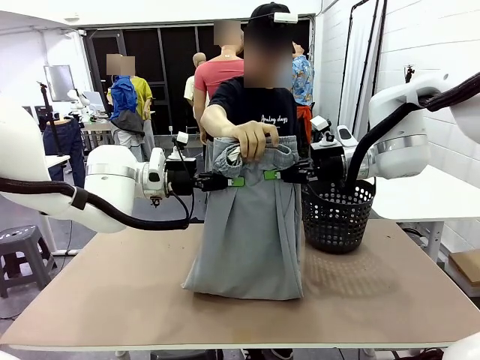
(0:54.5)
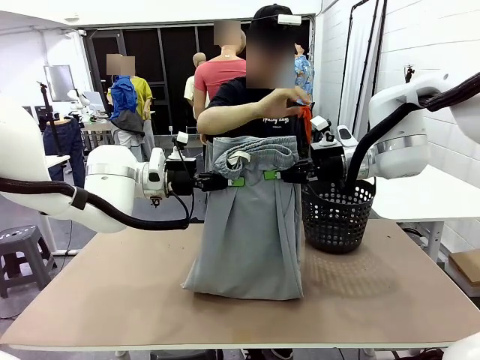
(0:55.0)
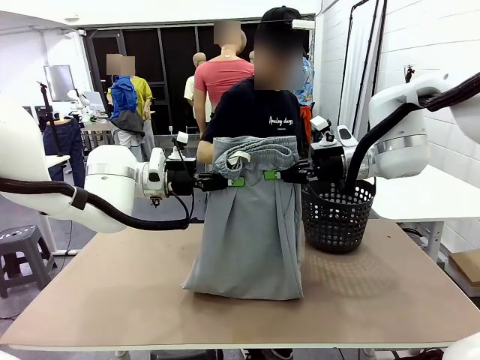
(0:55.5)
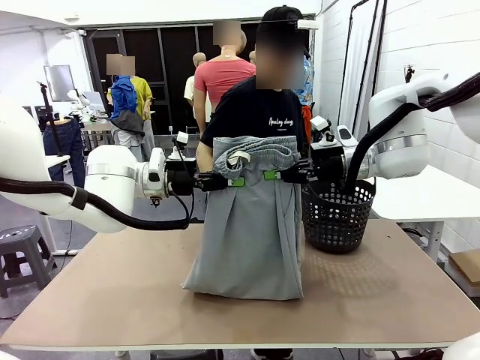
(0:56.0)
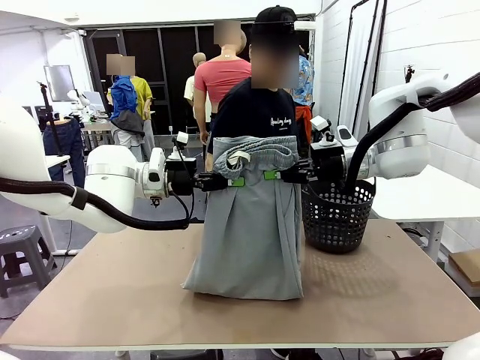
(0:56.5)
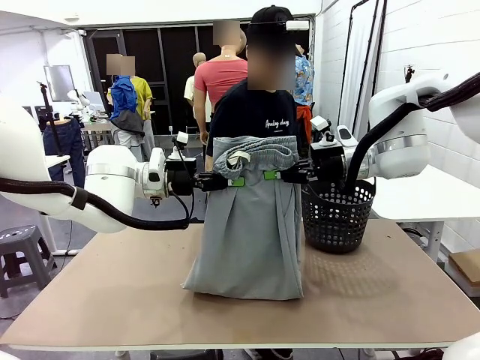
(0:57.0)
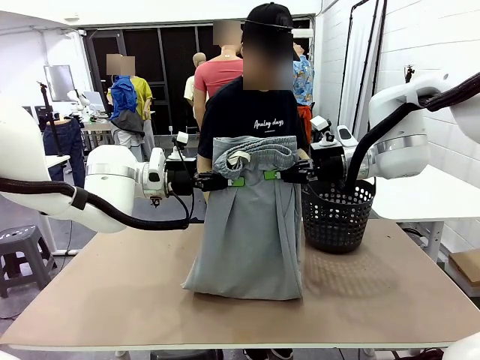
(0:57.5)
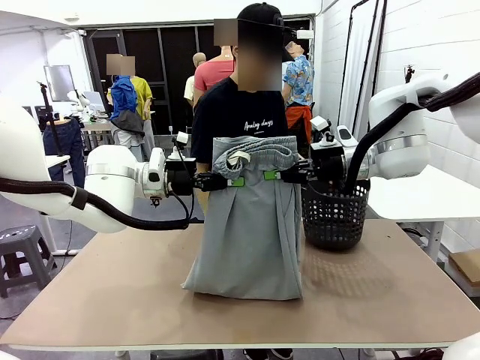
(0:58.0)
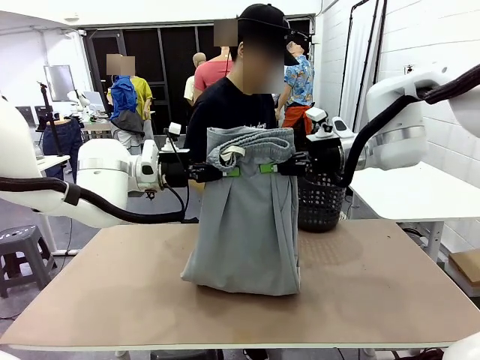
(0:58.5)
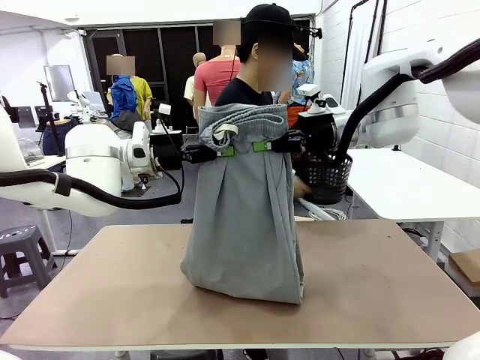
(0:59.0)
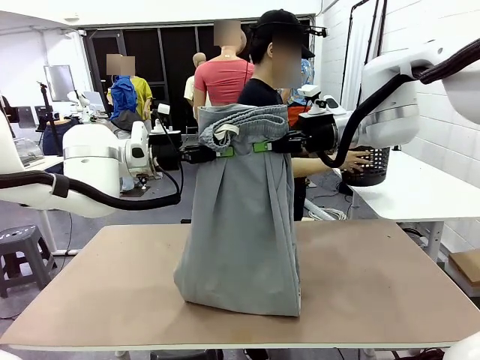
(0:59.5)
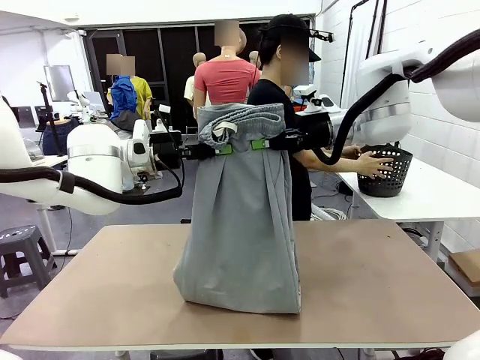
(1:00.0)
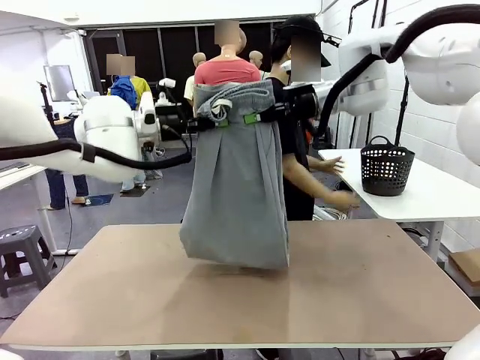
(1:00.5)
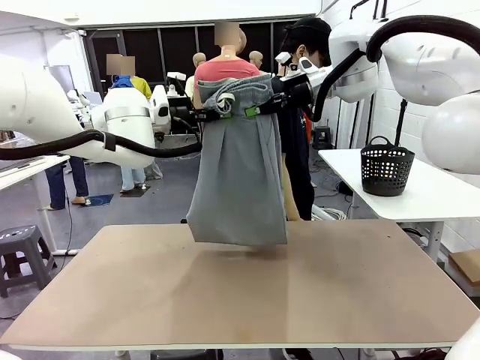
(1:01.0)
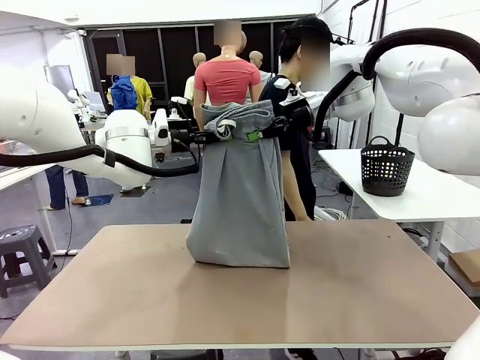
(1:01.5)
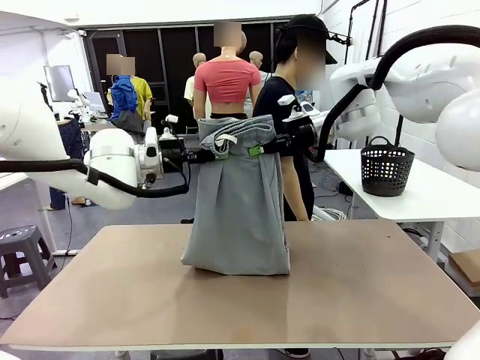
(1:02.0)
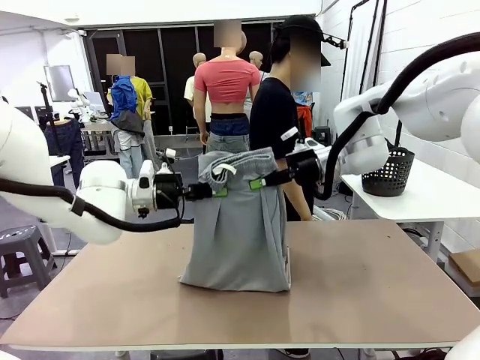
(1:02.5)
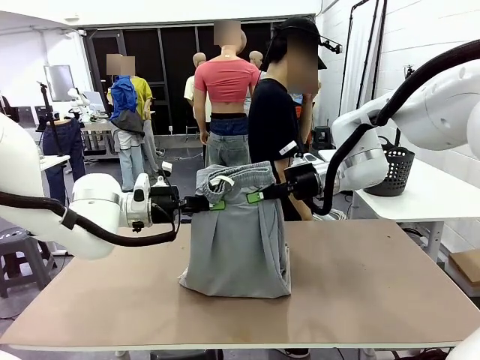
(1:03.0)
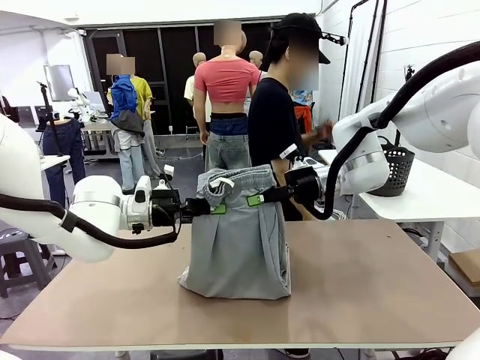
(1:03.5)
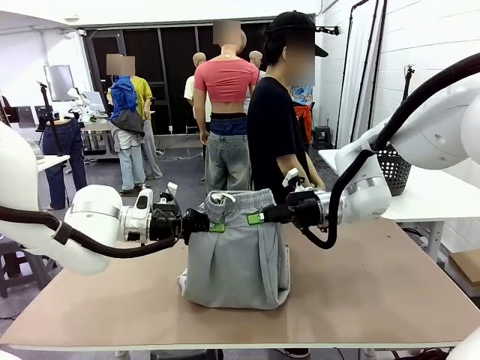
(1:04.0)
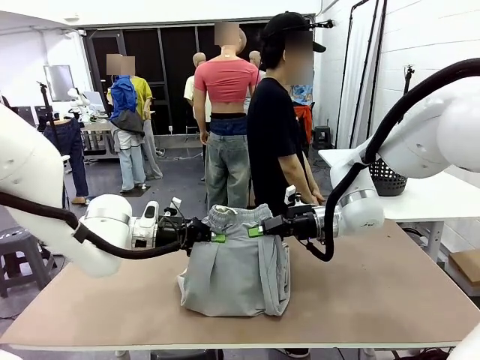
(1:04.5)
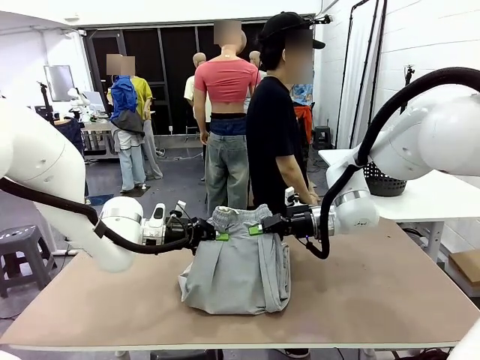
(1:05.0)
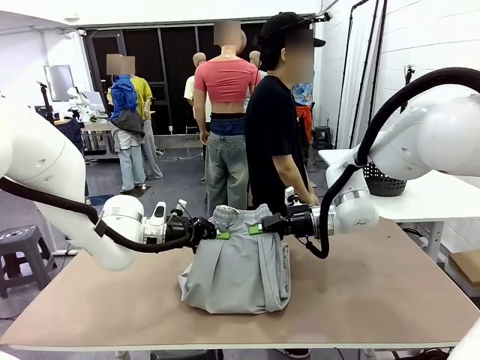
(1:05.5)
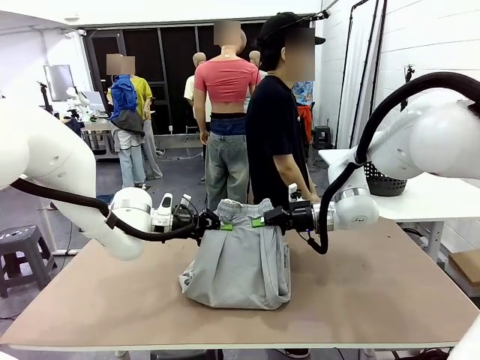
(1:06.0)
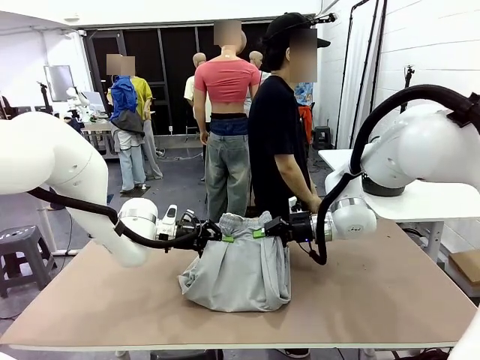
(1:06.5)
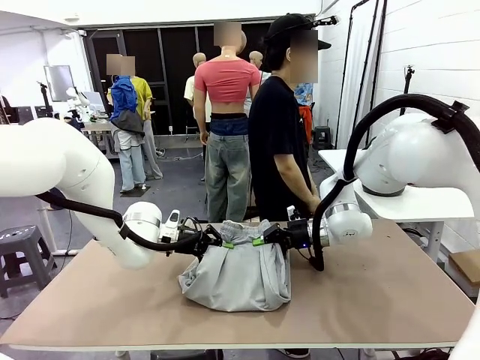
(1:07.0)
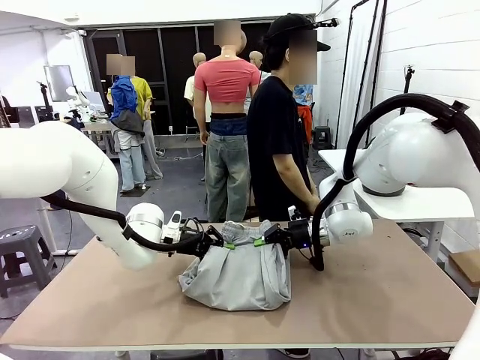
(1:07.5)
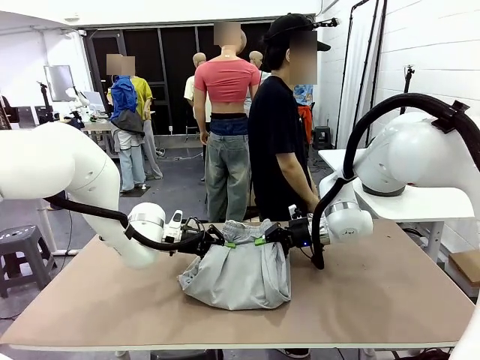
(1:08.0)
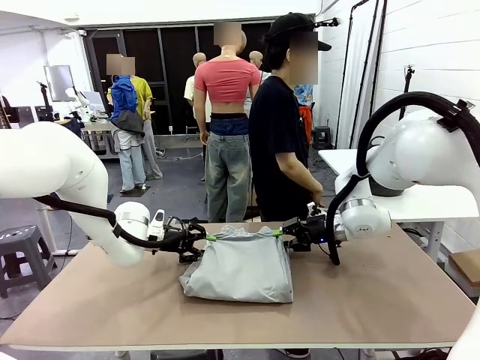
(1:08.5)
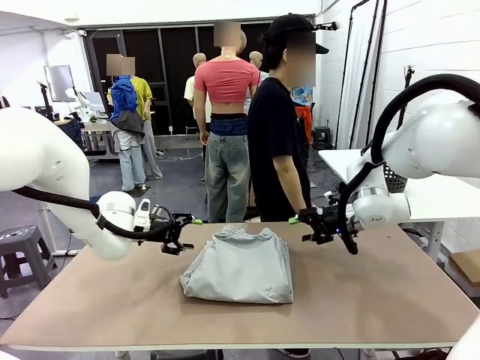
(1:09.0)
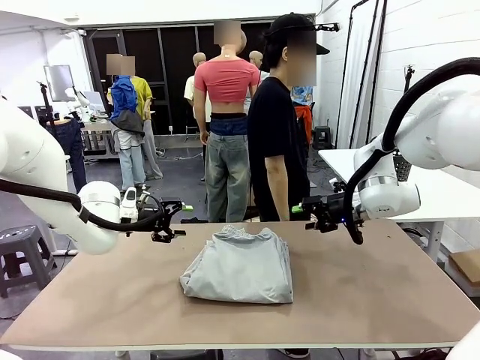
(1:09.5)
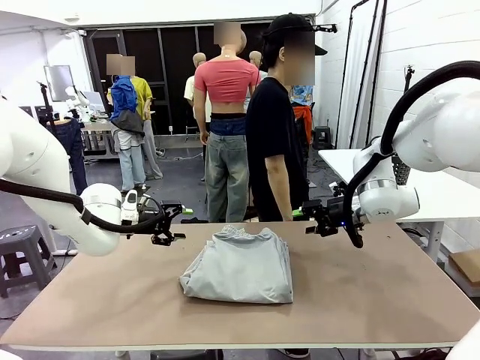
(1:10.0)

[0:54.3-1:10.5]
Task: Fold the training pants.
Robot: Fold the Training pants in half.
Person: Move the laundry basket to the right of the human table.

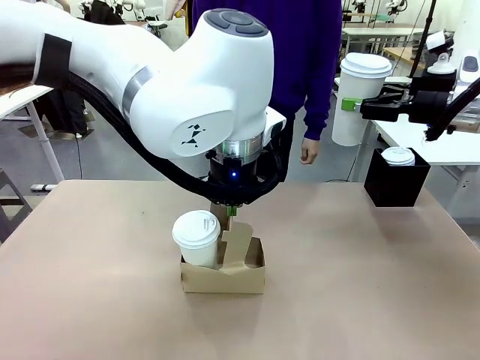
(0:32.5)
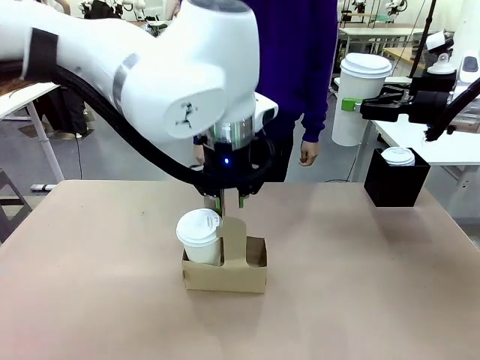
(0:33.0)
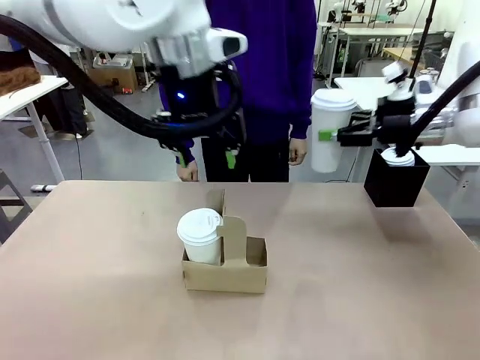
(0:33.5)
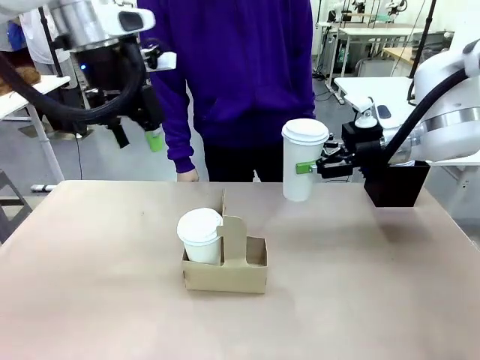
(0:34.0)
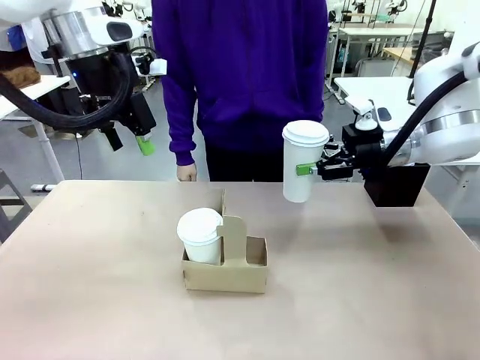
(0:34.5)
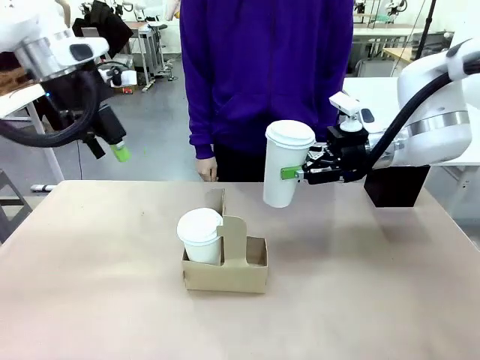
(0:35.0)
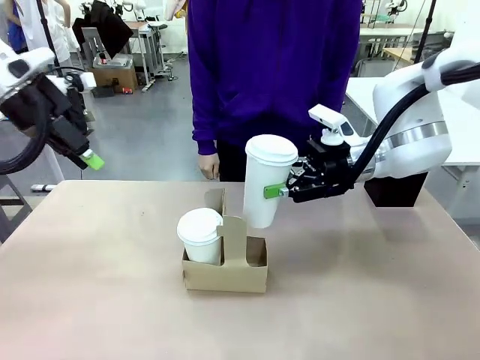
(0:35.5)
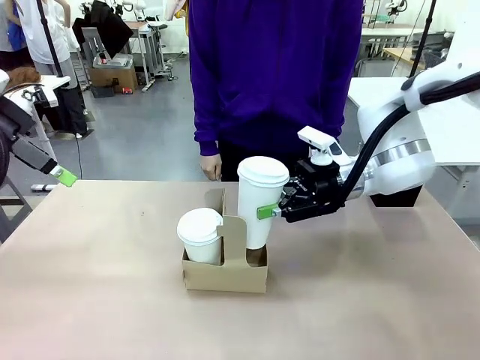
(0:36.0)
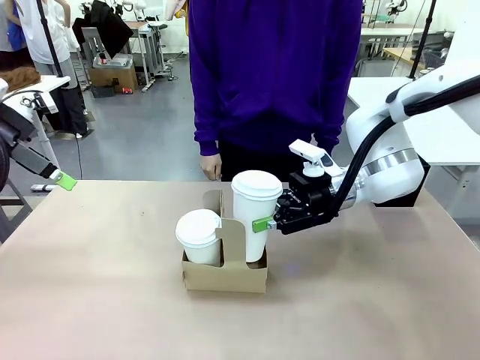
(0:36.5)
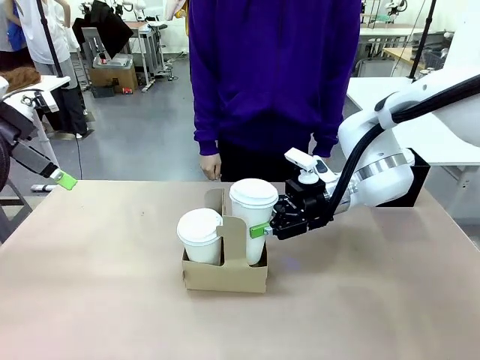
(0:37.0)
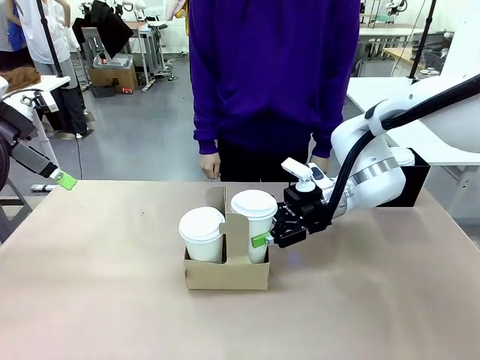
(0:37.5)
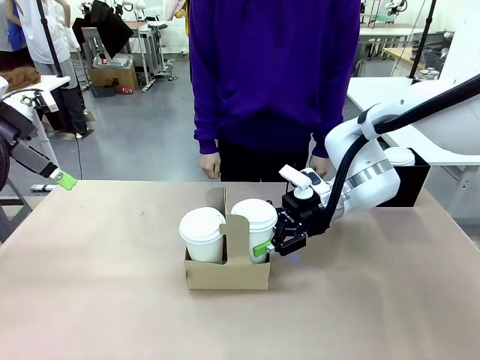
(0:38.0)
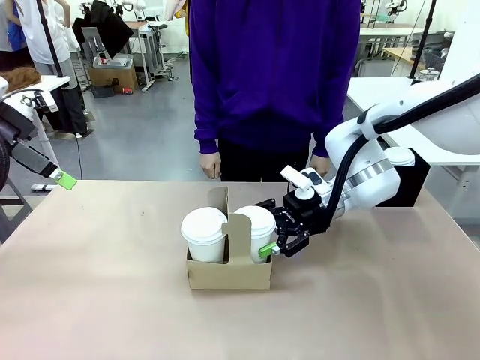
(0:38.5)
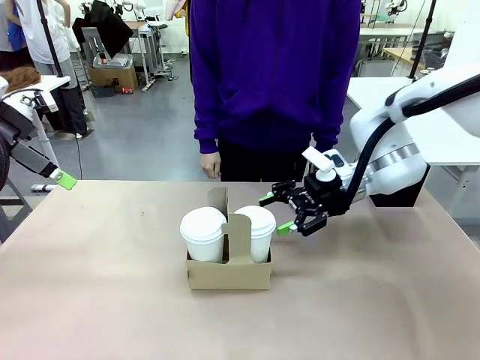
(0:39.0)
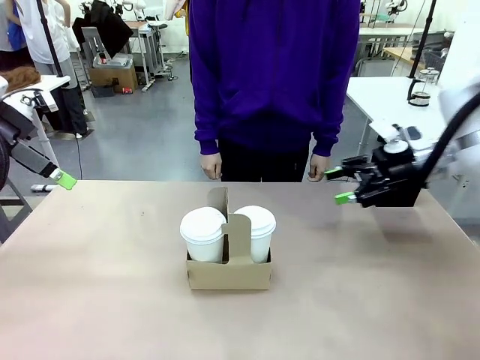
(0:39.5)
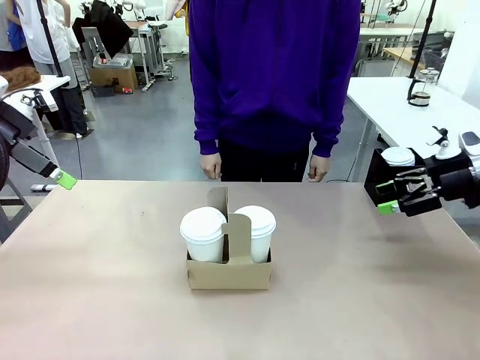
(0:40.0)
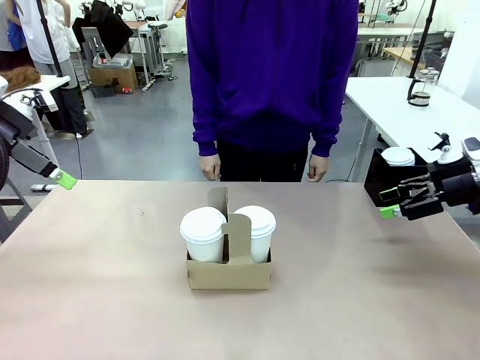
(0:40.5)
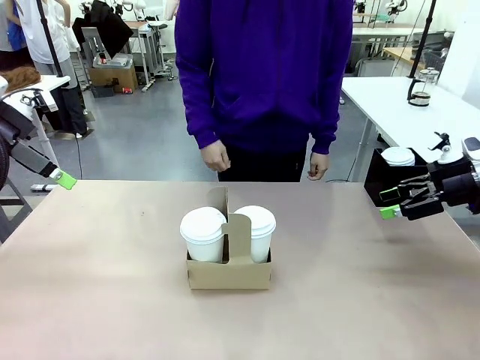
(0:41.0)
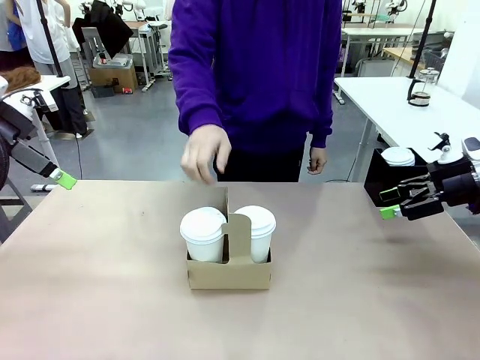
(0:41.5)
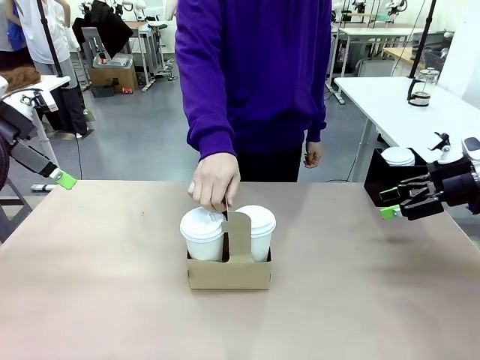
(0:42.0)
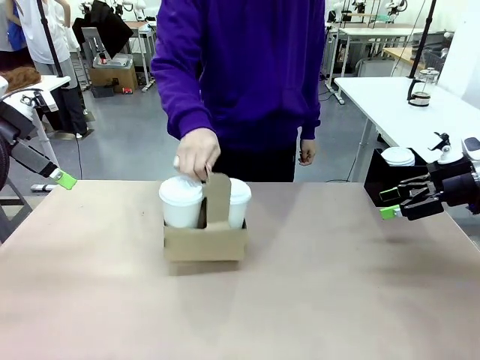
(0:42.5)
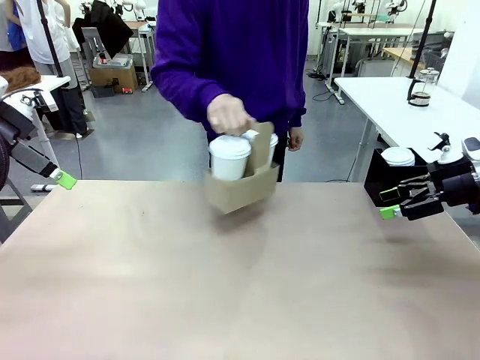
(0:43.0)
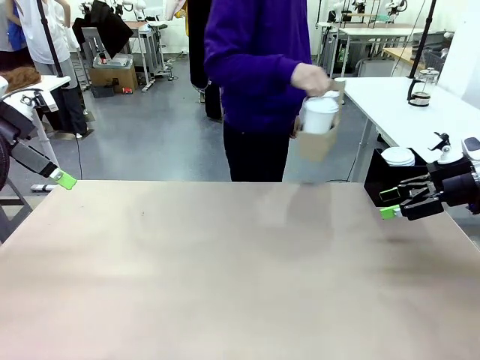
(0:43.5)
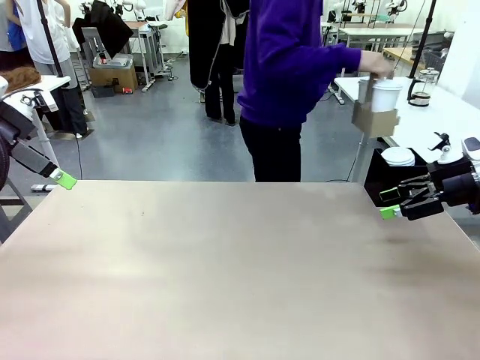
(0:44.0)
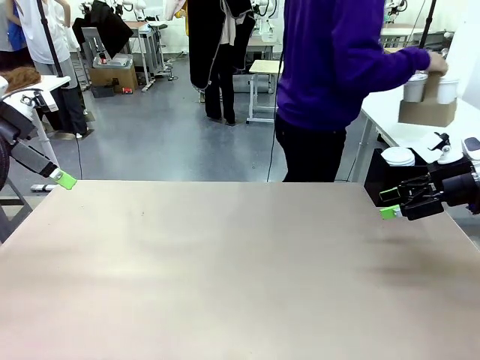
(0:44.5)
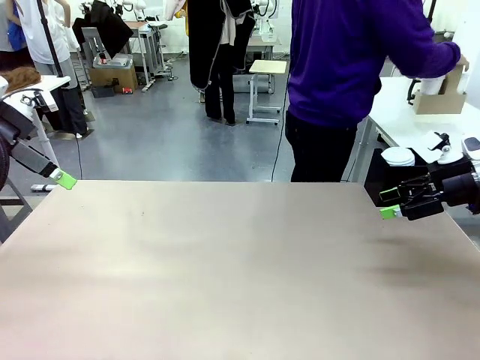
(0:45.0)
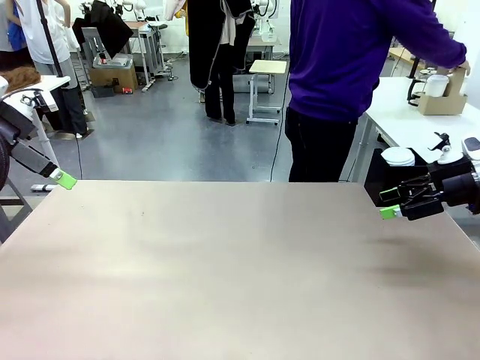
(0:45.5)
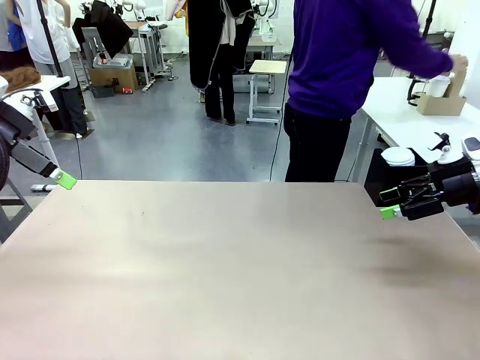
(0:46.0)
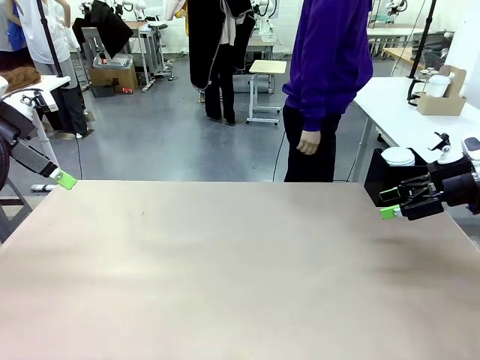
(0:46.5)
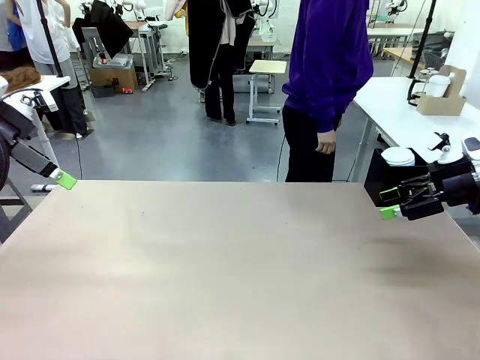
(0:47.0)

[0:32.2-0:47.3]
Task: Pour a drink into a cup and package it in a carrier.
Robot: Insert the held 600 ml Paper Cup into the Cup Carrier.
Person: Place the Cup Carrier to the middle of Human table.
